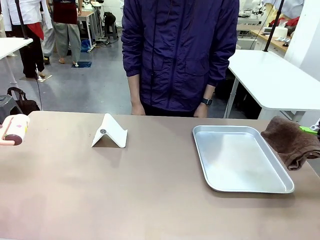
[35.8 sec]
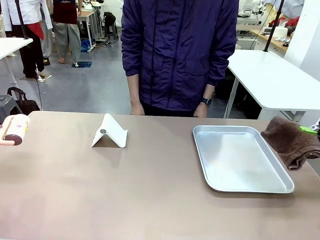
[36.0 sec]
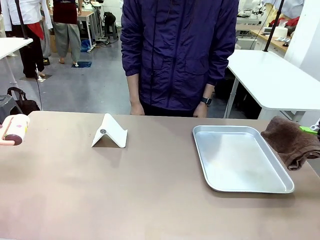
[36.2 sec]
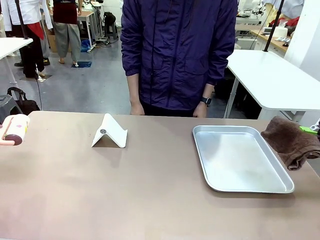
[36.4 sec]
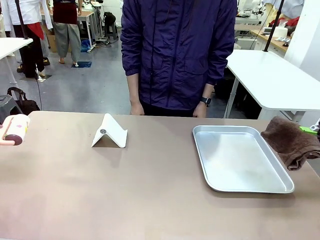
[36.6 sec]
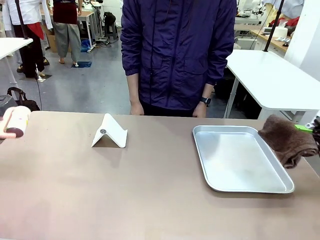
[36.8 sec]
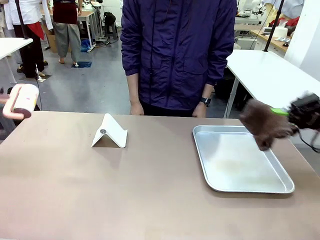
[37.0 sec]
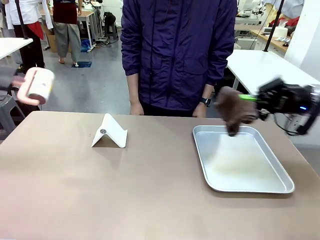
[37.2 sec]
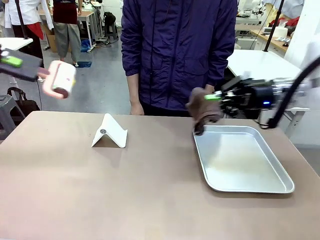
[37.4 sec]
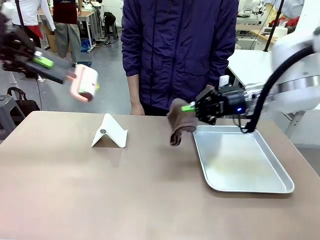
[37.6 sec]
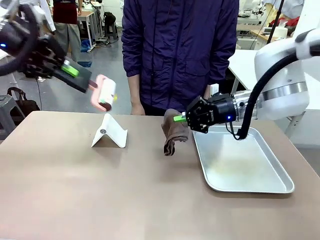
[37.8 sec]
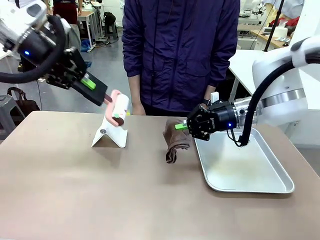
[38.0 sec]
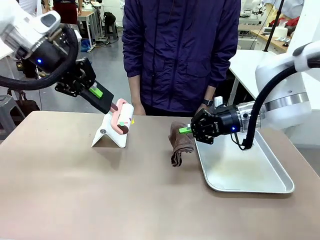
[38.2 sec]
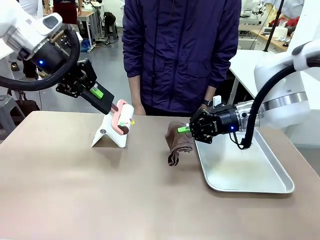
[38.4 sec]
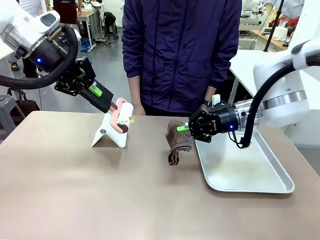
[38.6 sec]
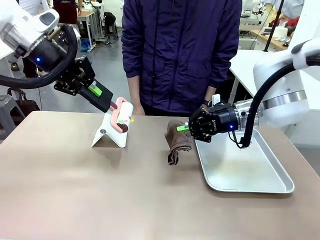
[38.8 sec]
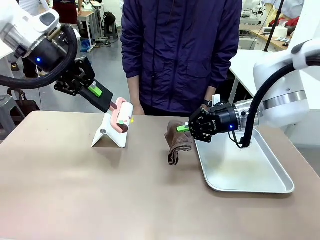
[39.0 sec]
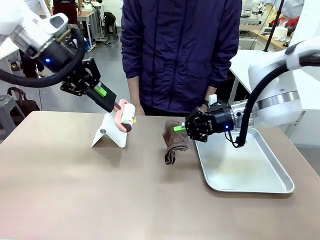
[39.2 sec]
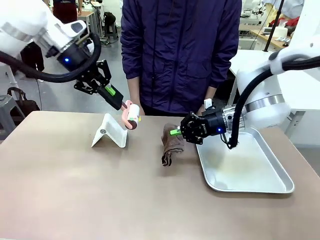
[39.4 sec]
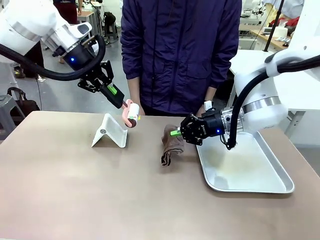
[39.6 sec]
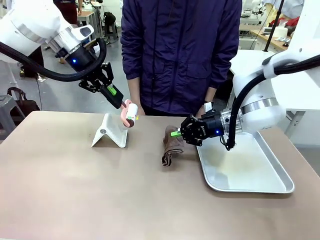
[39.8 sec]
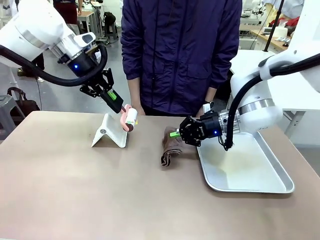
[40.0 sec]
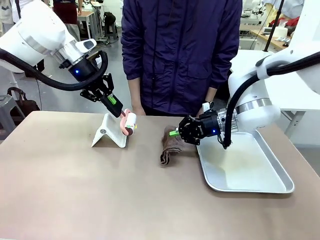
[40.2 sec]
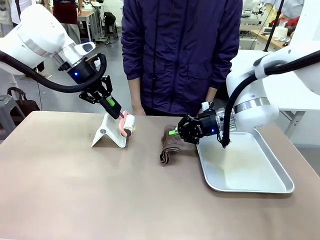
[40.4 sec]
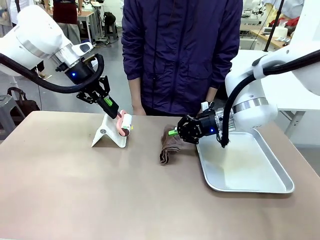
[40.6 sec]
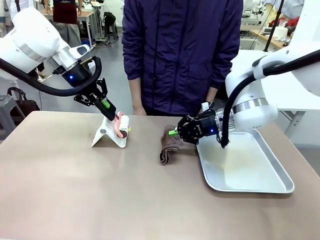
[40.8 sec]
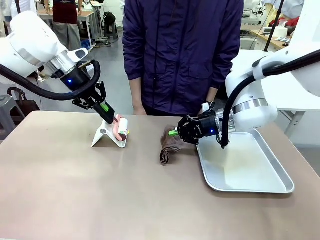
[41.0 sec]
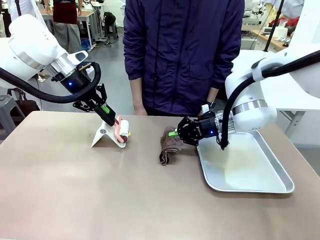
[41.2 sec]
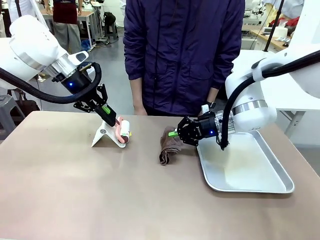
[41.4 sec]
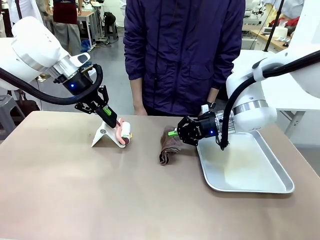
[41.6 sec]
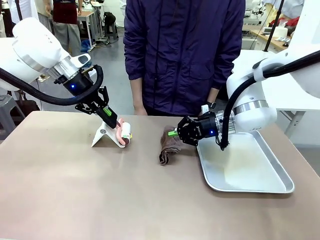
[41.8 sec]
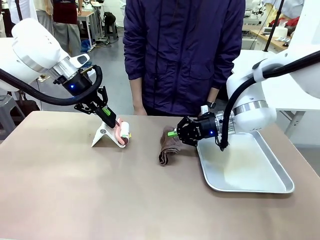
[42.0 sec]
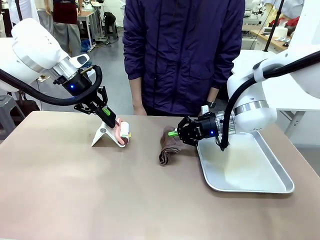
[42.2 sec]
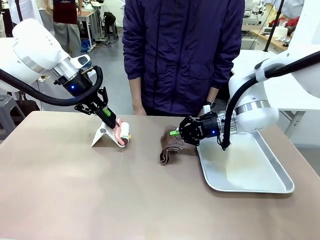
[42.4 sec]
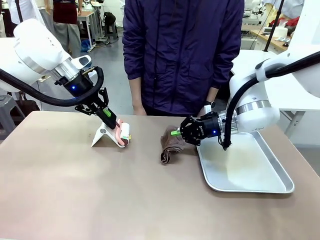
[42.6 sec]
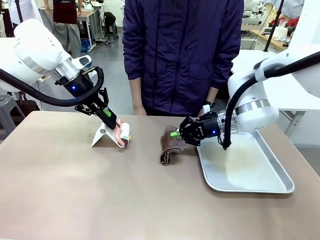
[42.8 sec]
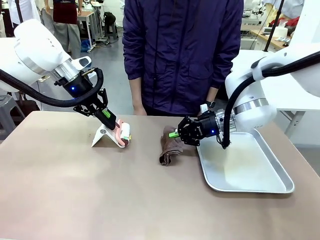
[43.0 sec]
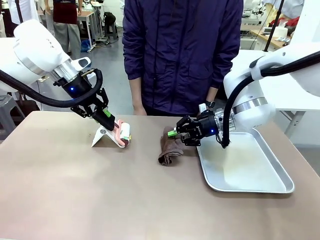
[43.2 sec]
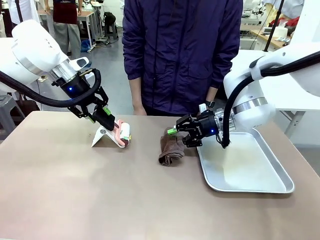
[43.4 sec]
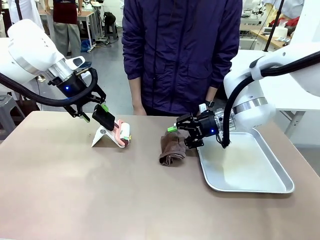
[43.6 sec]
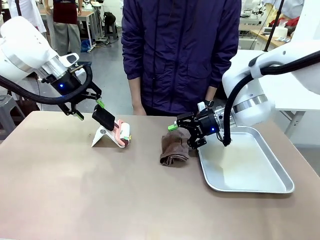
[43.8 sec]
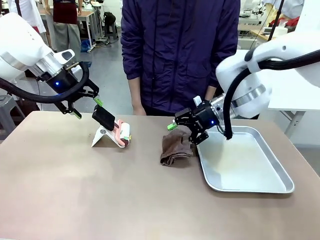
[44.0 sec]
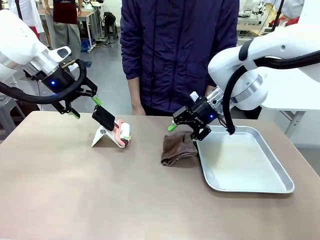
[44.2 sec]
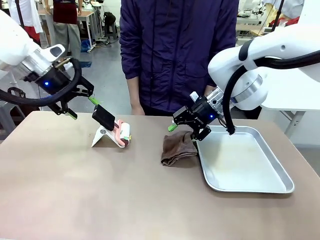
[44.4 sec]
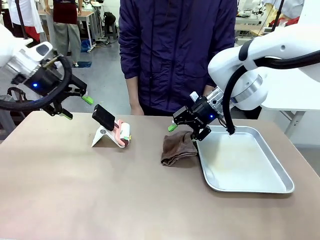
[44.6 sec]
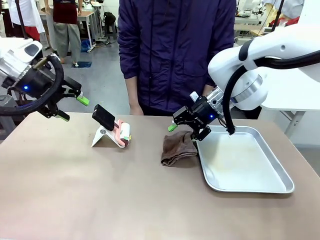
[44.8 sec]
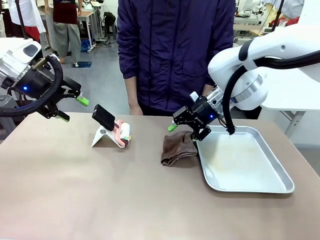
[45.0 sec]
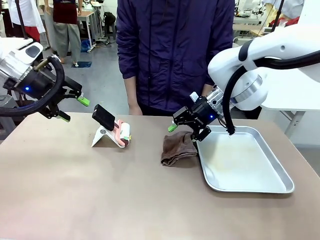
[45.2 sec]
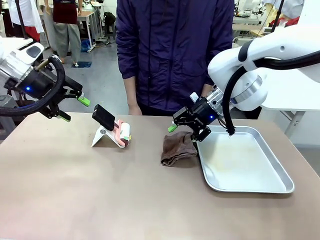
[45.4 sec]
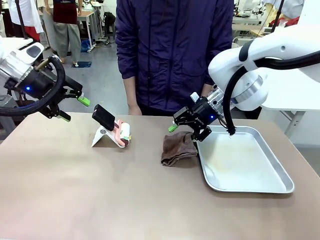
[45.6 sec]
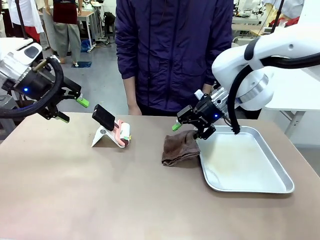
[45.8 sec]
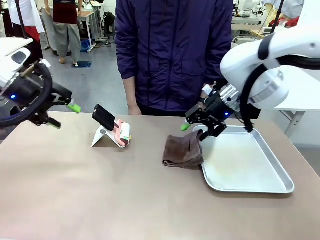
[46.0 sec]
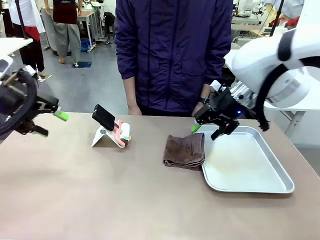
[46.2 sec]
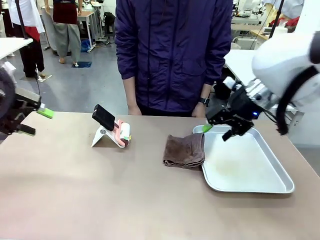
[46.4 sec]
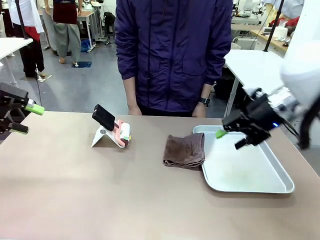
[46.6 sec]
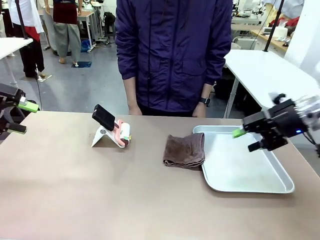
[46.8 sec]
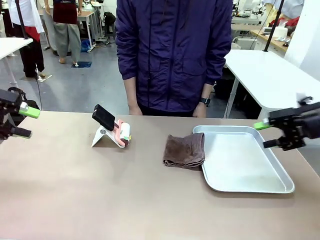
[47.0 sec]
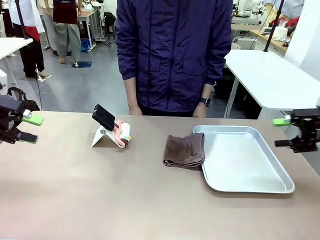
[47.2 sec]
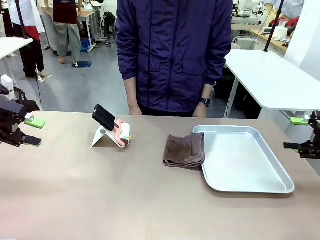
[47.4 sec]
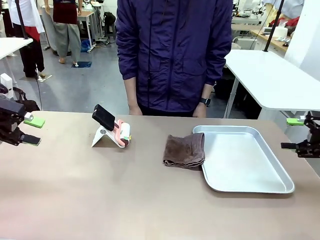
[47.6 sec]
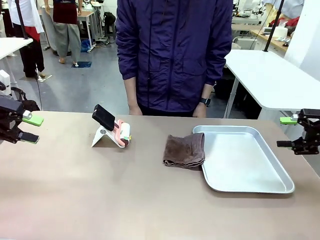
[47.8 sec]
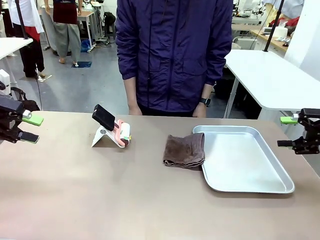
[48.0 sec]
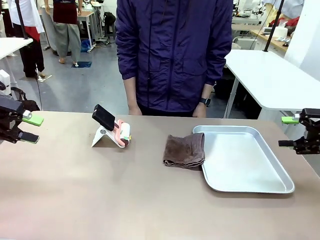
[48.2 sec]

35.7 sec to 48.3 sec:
Task: Clean the surface of the table.
Robot: Return the Lint Roller and towel to their original positions.

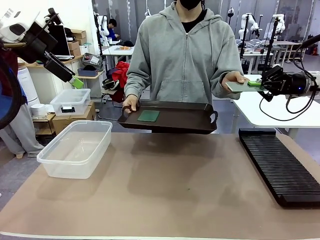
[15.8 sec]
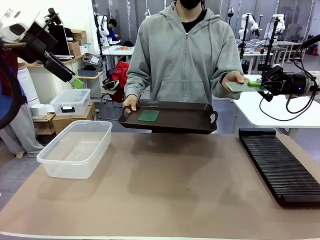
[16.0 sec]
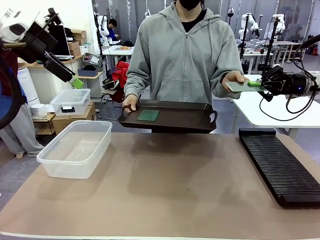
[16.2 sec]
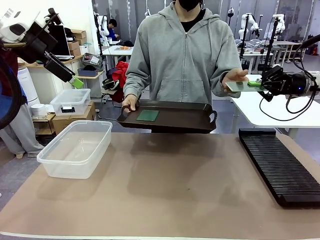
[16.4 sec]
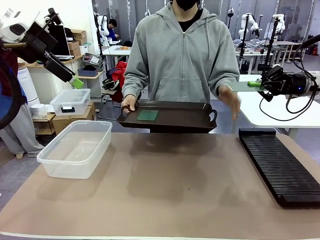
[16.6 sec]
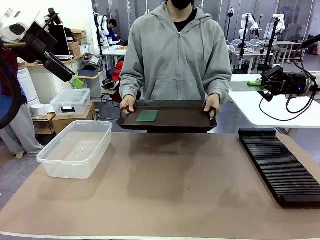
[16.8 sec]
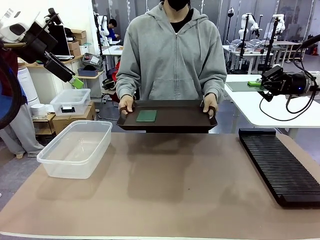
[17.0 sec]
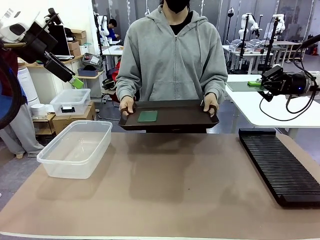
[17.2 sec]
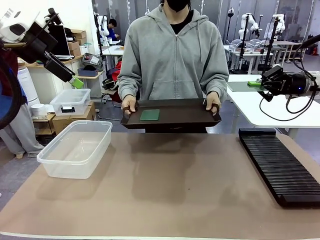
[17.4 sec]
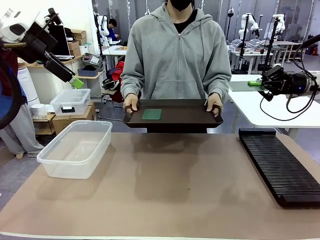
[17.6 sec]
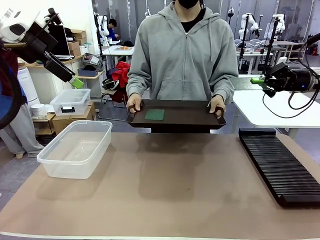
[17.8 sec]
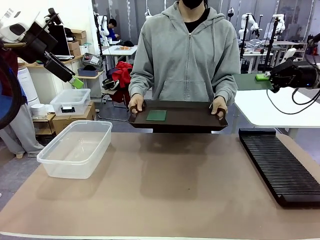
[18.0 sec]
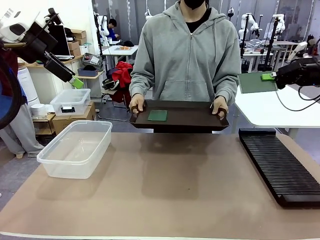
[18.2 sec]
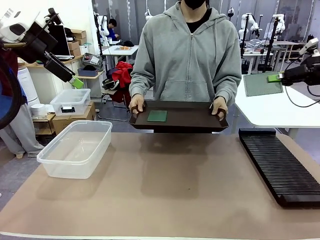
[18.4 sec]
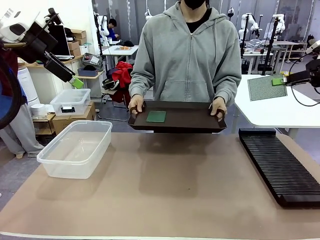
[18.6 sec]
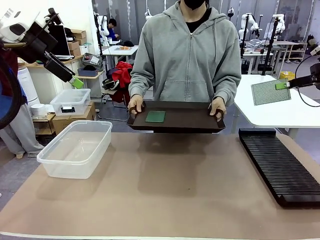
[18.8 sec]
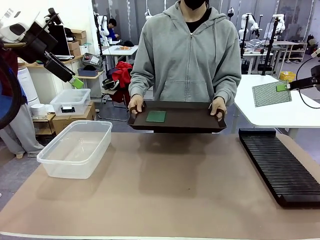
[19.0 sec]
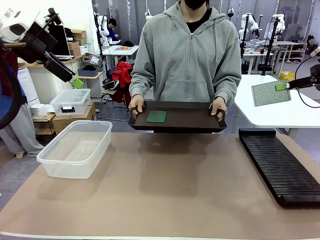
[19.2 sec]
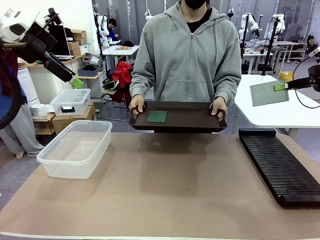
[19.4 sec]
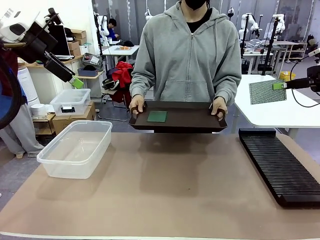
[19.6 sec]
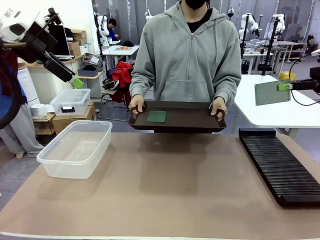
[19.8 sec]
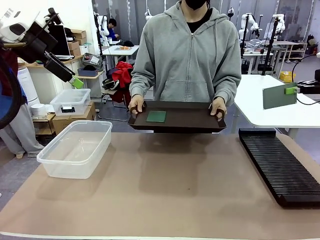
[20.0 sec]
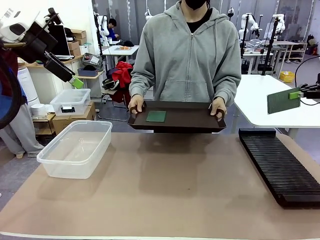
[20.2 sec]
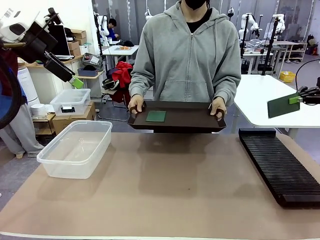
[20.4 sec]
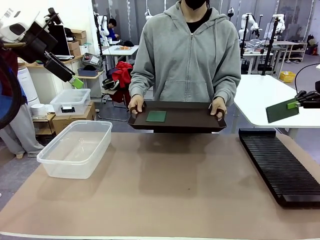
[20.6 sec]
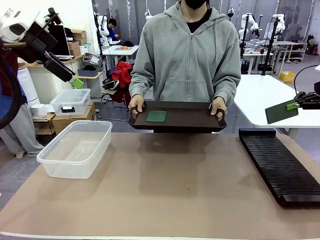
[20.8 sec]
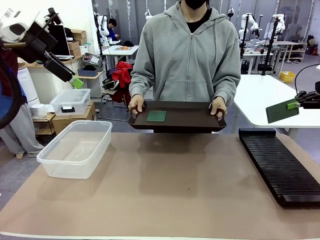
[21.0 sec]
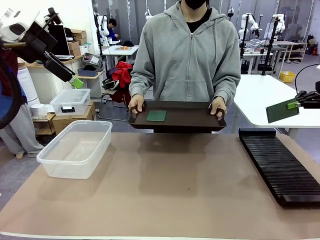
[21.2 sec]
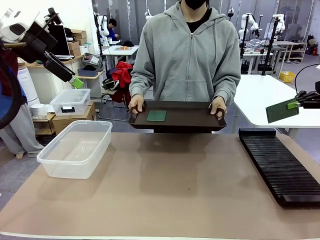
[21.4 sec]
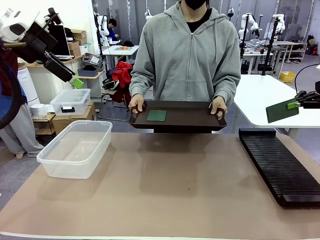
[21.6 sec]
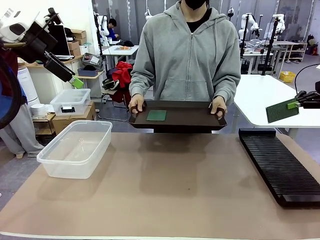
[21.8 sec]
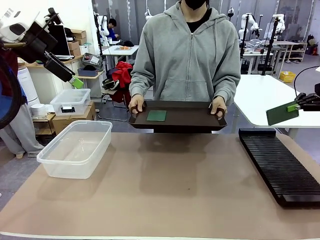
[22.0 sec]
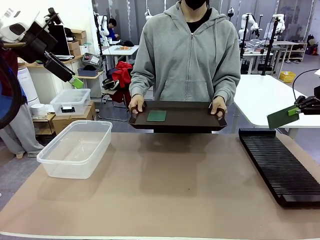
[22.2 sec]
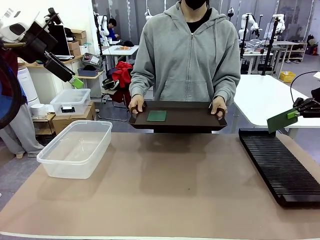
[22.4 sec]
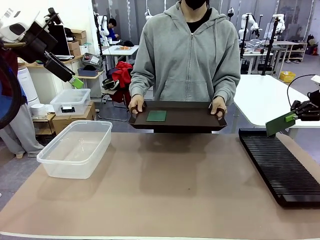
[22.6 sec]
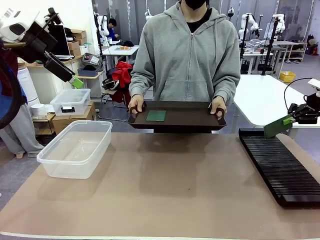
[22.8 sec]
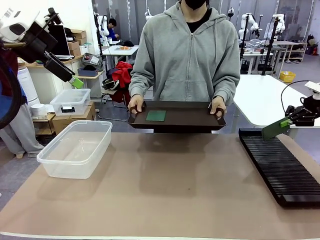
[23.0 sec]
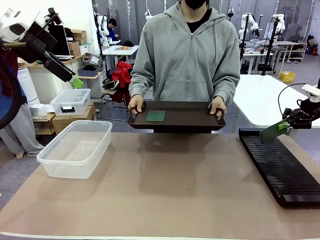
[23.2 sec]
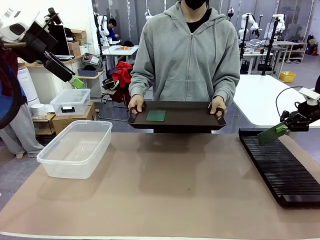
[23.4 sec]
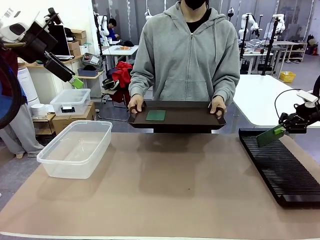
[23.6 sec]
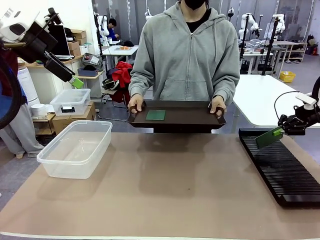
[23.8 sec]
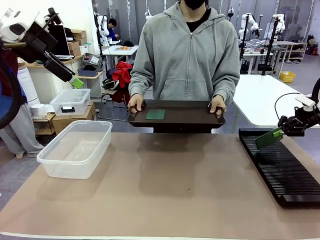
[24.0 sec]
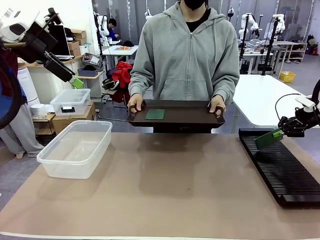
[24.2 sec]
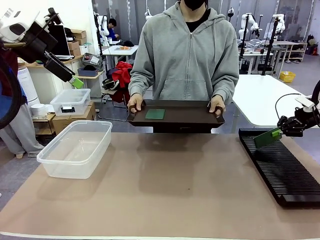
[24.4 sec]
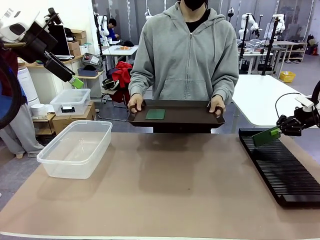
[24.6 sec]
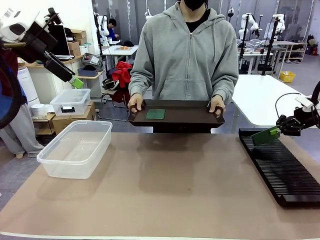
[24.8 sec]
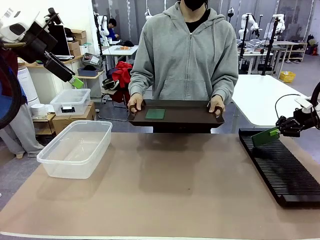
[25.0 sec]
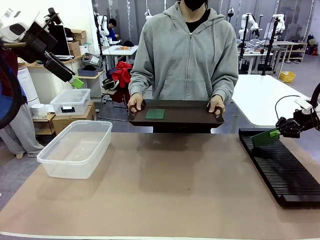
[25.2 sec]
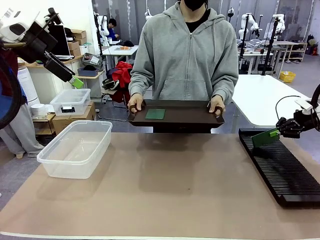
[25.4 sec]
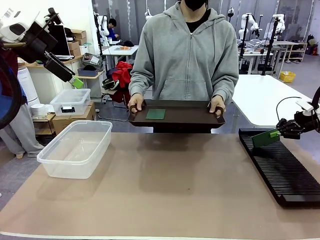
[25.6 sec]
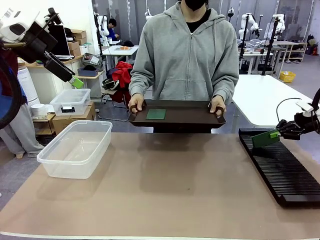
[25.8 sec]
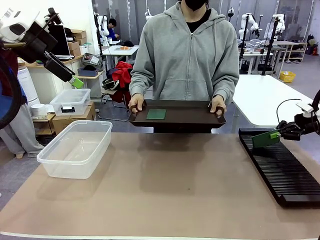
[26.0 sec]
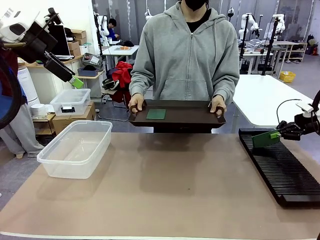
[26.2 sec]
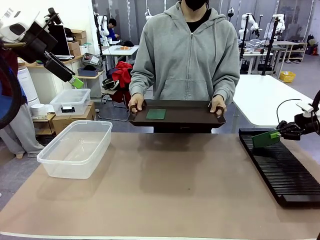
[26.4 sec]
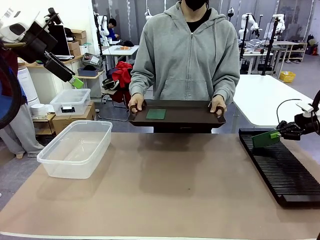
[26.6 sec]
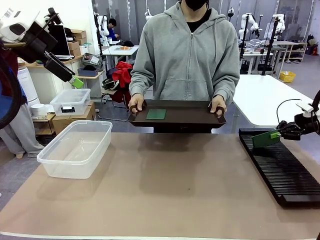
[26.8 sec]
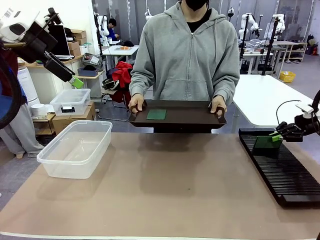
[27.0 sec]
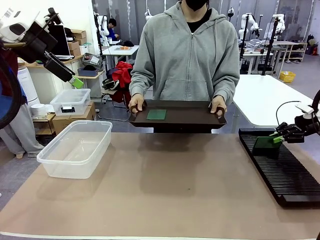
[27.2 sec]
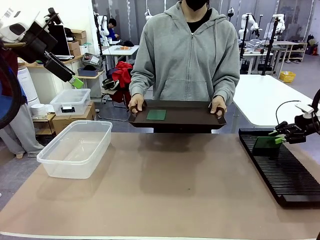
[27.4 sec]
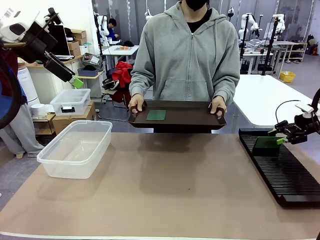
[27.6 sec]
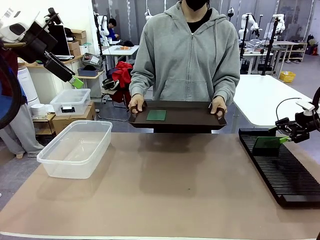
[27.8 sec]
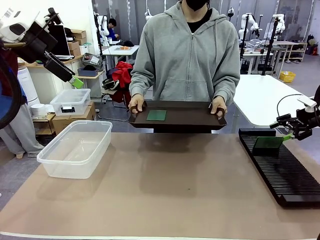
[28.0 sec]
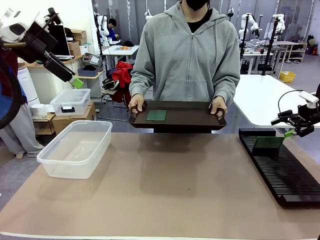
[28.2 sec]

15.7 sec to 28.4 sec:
Task: Sort PCBs into racks and boxes based on the side picked up.
Robot: If the short side of the Blank PCB is picked up, insert it into the PCB Rack ; if the long side is picked up, place it in the Organizing box.
Person: Pick one PCB from the tray and present it to the robot.
